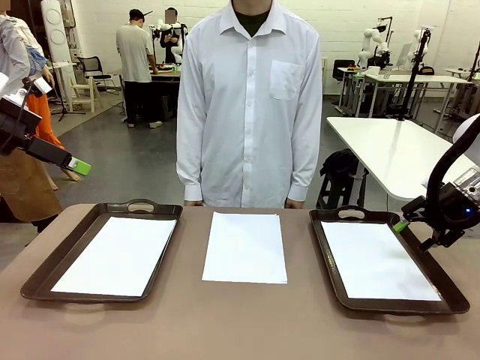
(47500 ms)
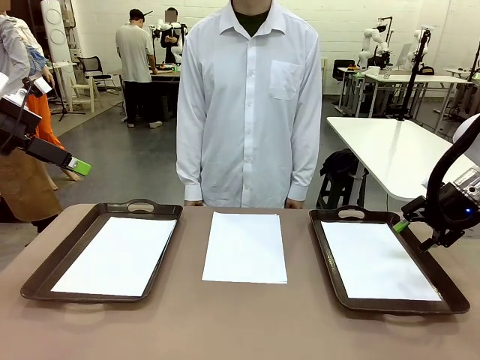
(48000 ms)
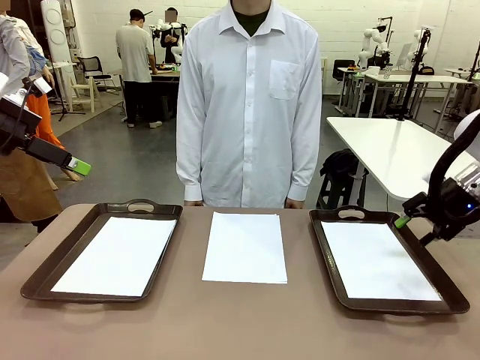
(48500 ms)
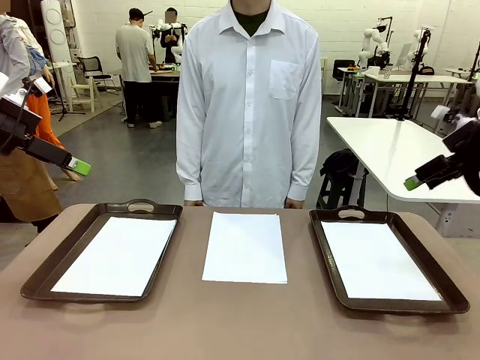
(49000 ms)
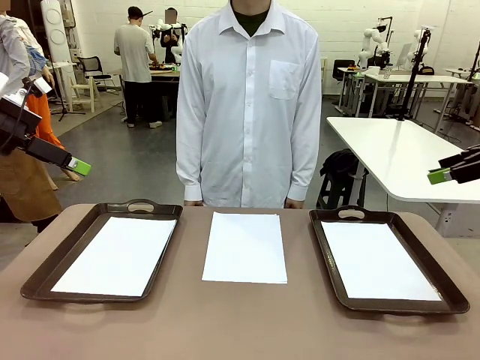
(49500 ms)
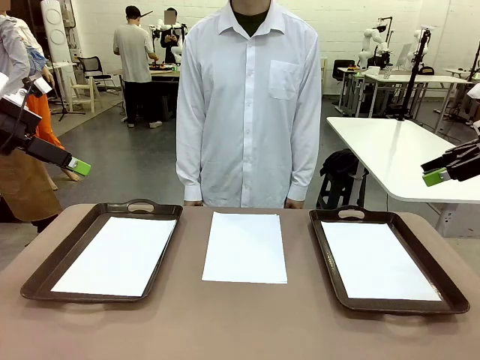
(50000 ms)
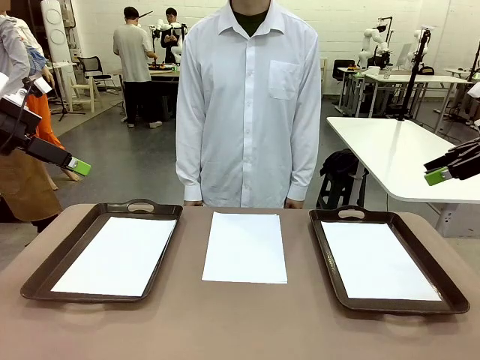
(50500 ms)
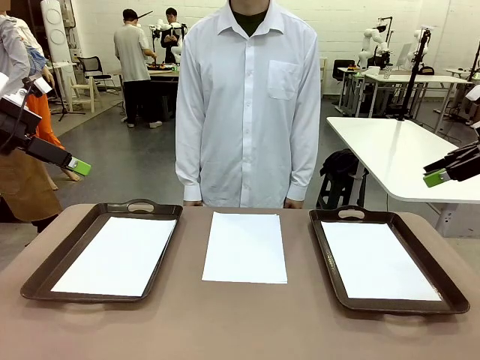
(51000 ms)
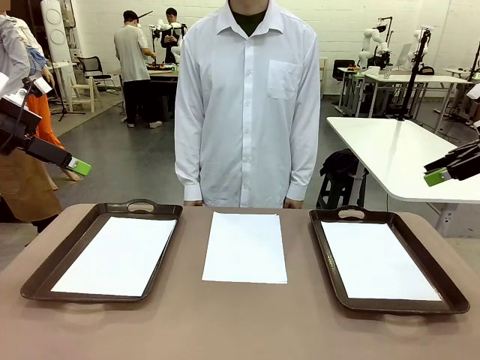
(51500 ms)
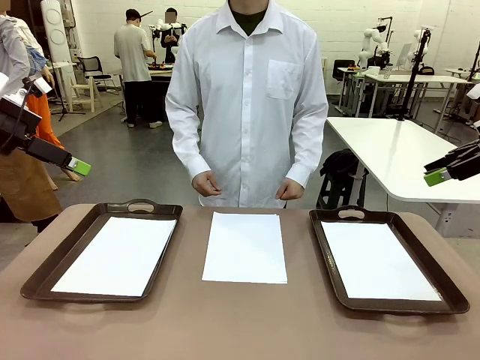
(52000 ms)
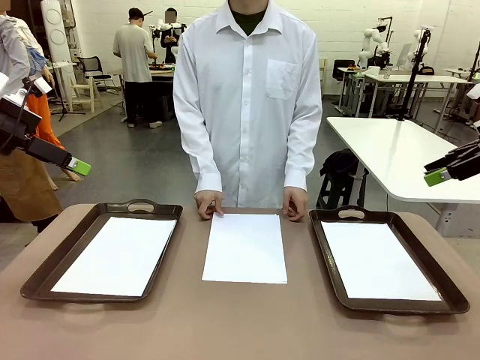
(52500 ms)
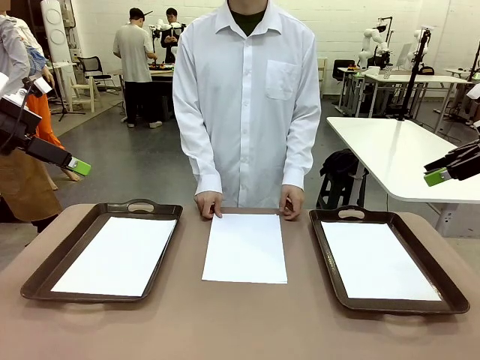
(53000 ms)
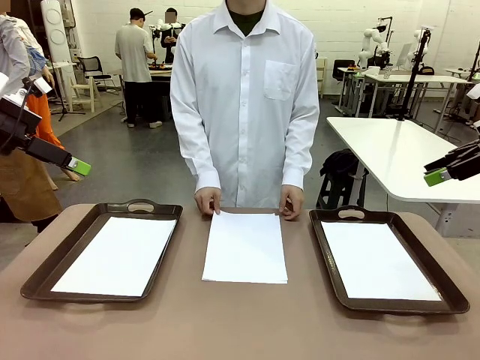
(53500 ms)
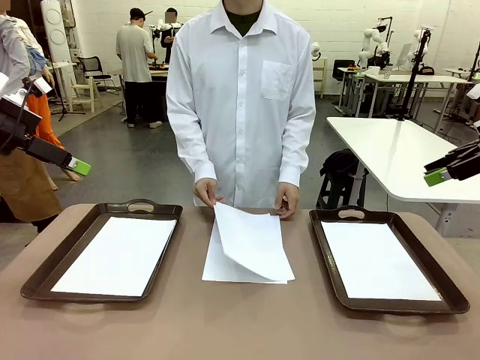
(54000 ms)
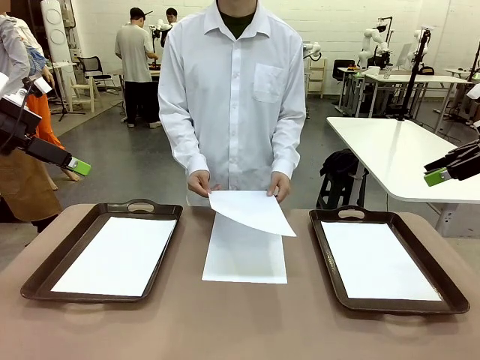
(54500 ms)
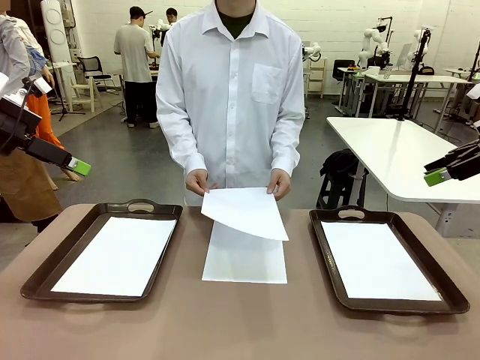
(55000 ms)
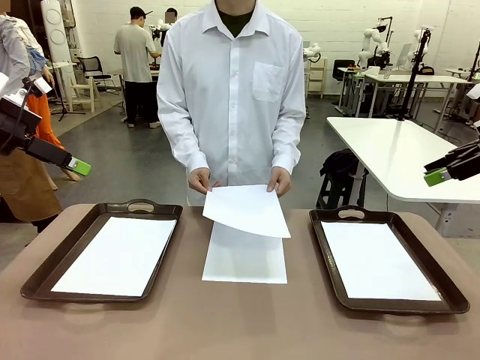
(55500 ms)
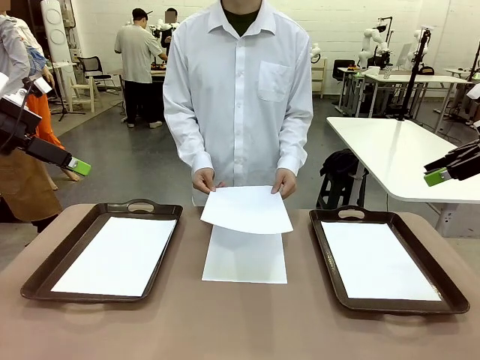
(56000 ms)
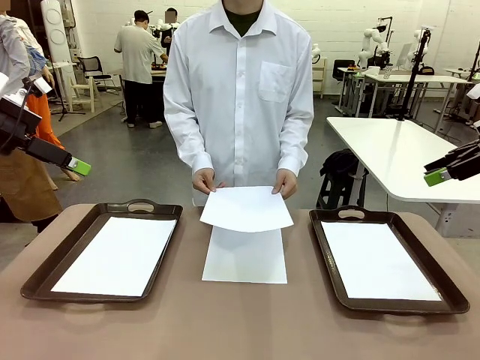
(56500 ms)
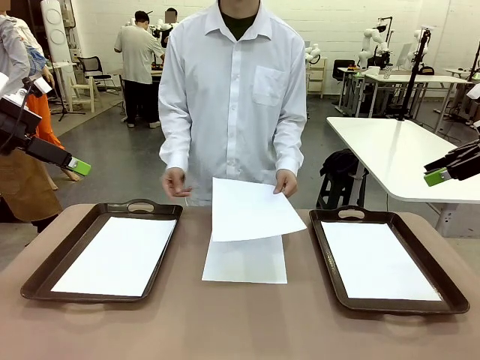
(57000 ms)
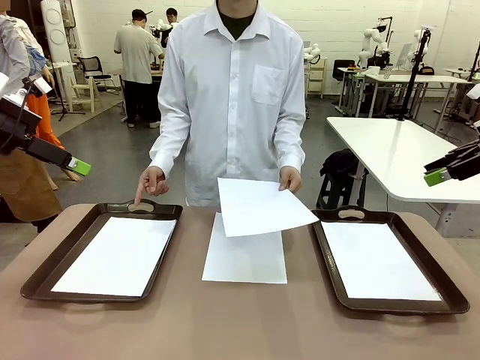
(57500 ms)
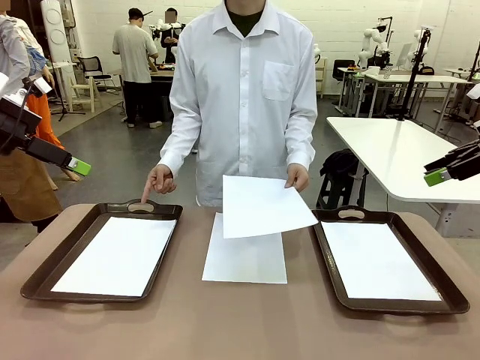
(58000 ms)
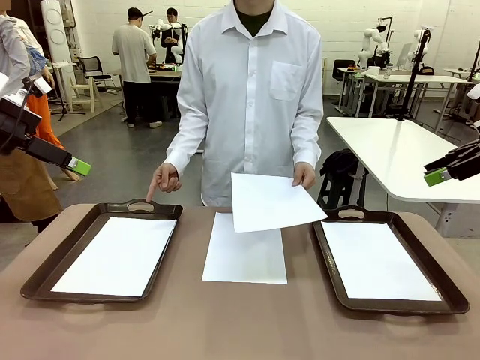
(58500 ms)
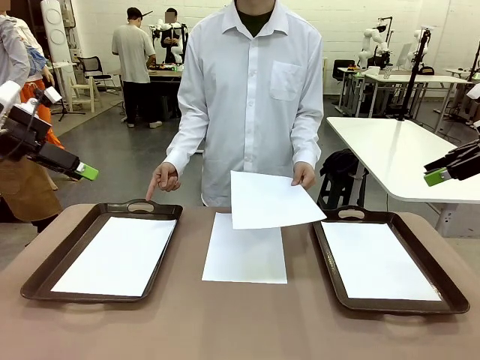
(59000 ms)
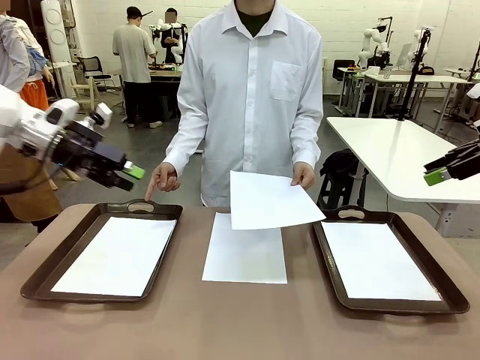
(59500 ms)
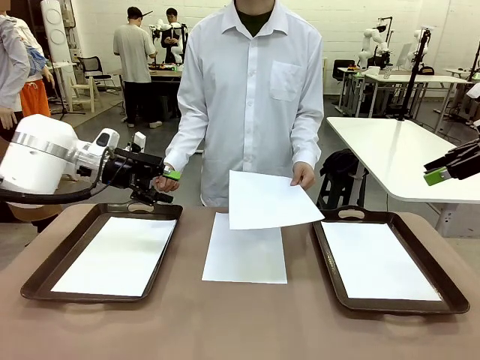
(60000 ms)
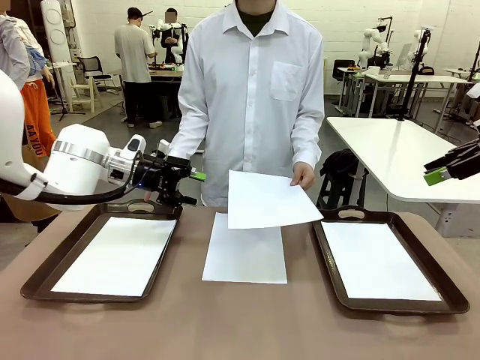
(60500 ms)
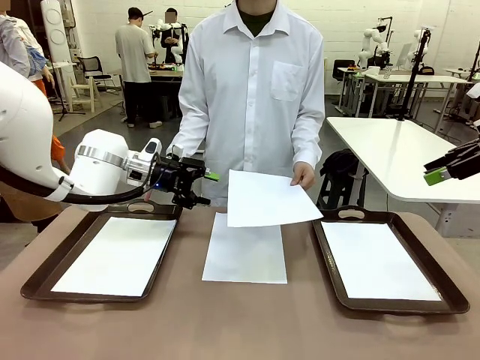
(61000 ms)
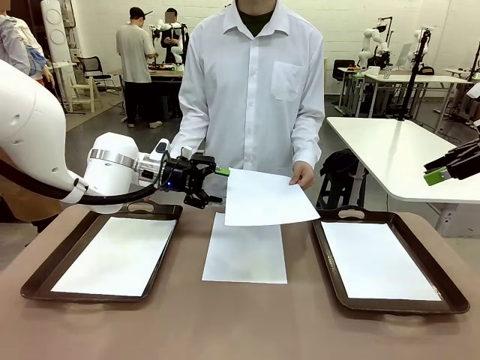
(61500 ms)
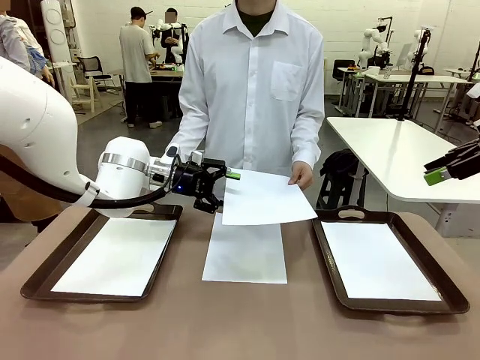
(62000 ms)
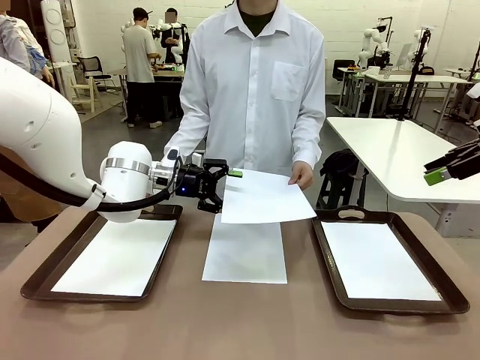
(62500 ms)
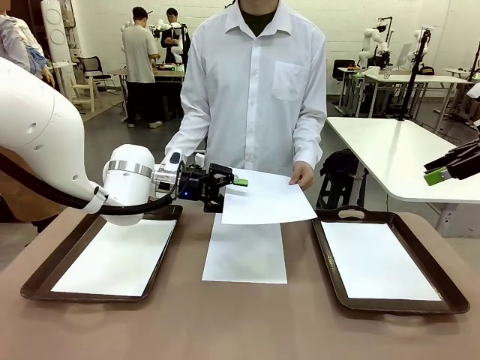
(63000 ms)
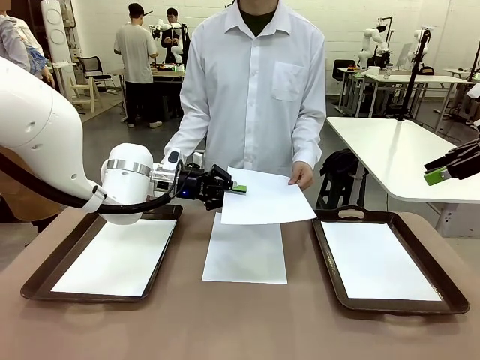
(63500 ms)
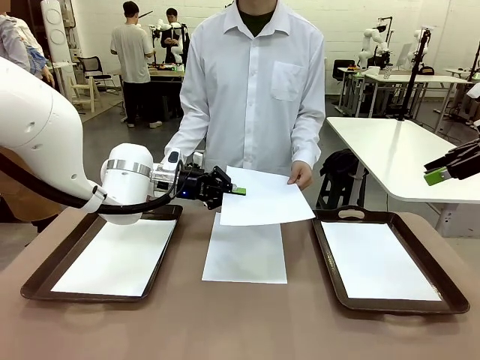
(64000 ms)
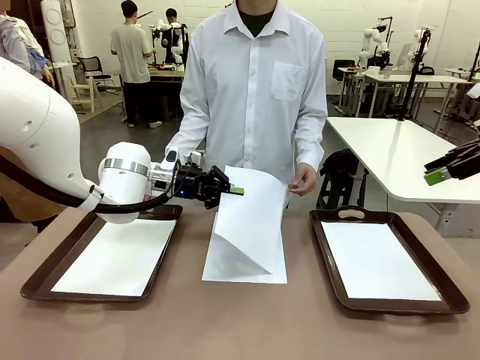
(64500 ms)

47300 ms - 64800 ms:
Task: Sort the A4 documents.
Robot: Receive the A4 Paper.
Person: Point the randomly selected tray with the other hand.

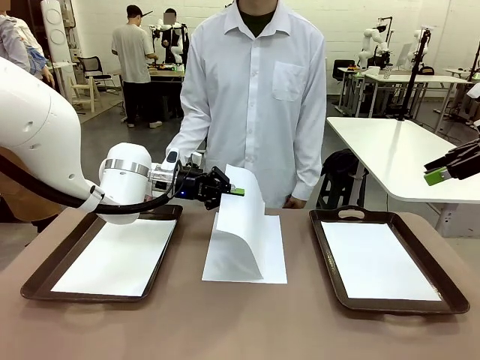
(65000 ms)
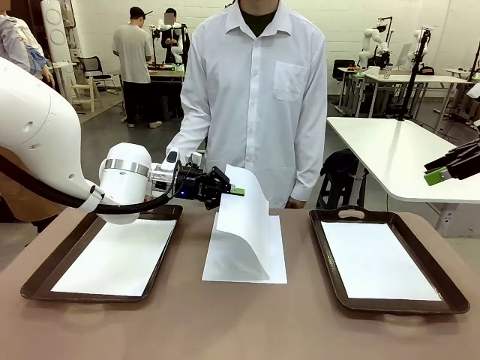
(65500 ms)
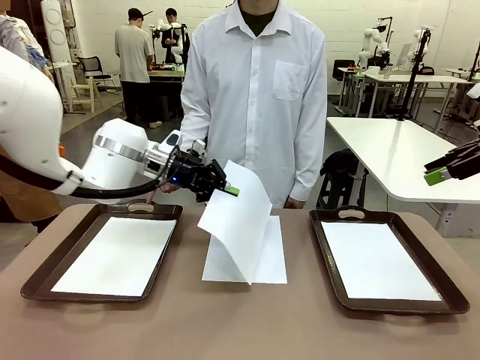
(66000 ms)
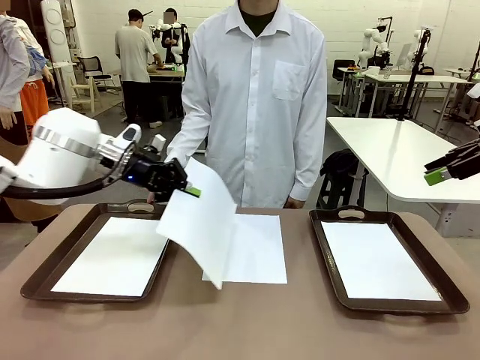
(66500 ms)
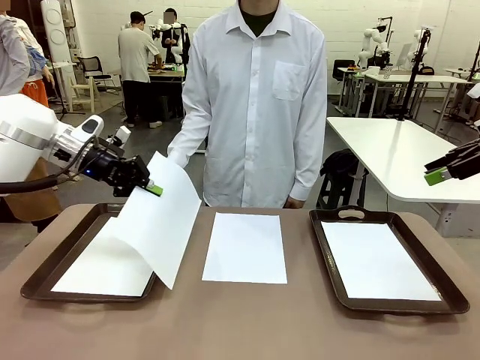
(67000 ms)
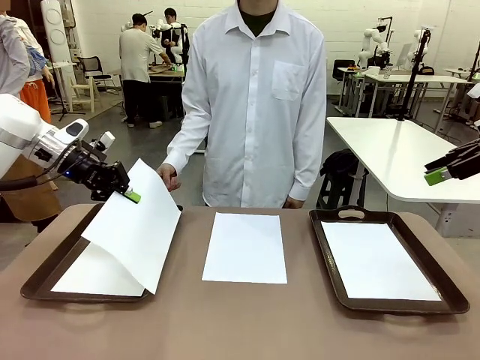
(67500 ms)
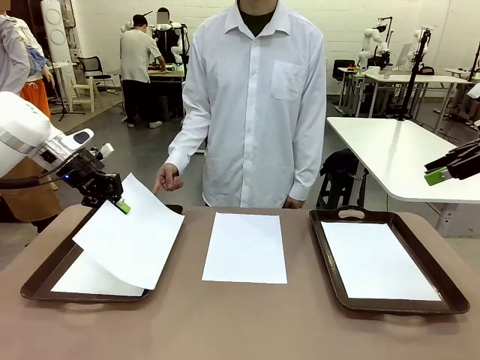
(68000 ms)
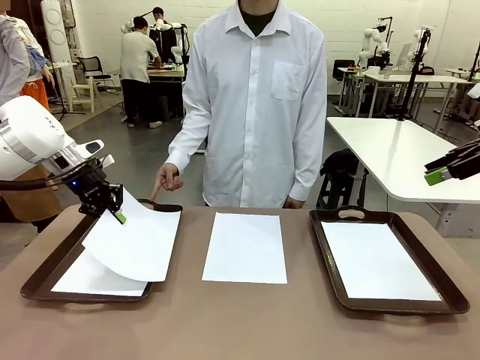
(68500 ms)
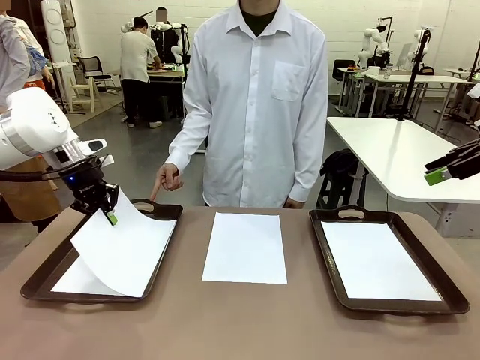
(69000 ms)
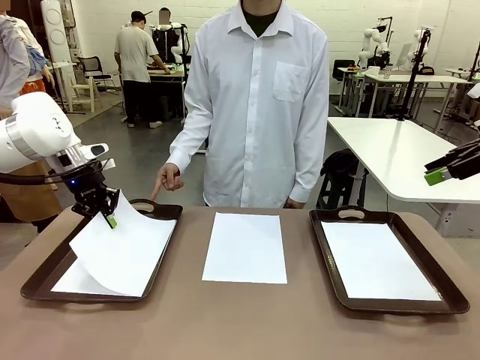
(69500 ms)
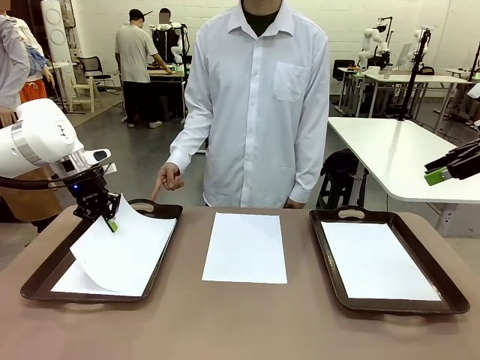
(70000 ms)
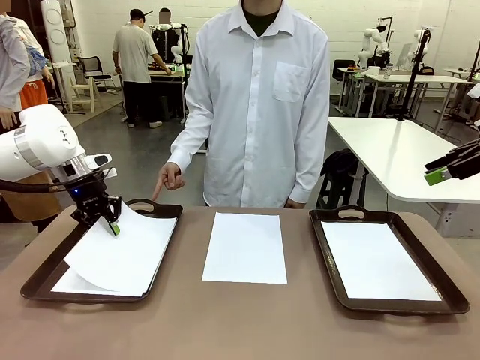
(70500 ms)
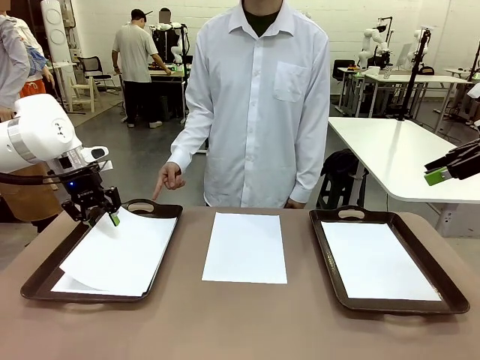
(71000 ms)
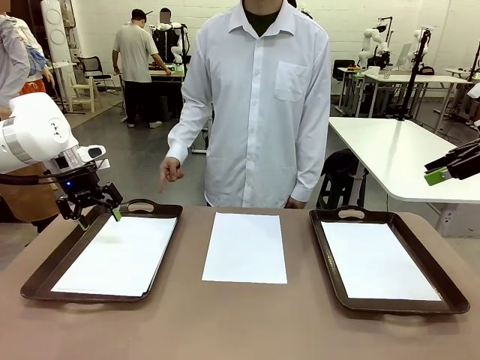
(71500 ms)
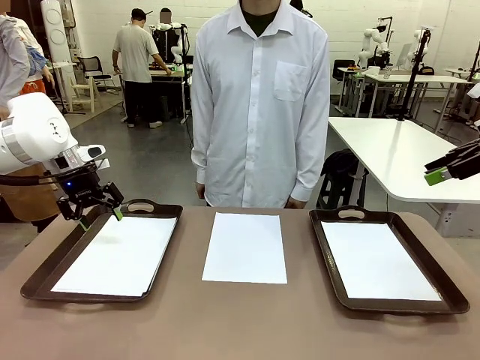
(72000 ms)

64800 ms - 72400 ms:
Robot: Place the A4 Paper in the designated Handle tray.
